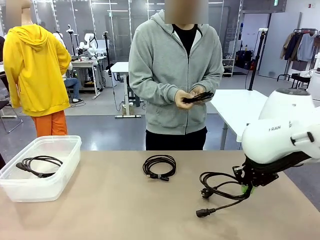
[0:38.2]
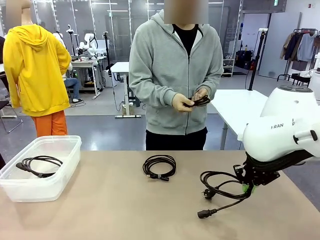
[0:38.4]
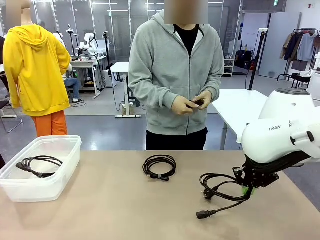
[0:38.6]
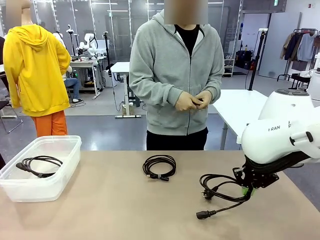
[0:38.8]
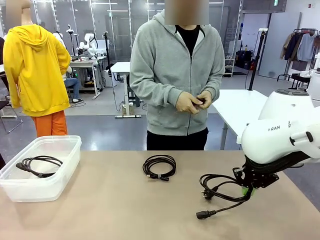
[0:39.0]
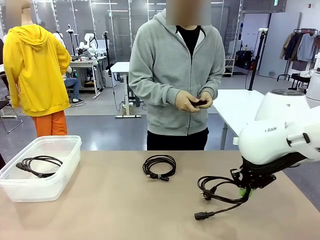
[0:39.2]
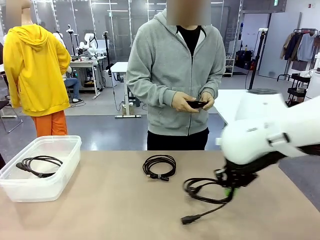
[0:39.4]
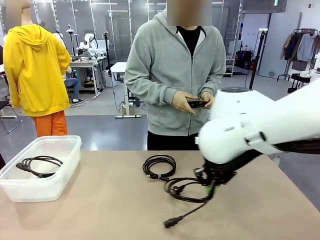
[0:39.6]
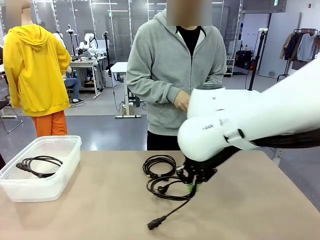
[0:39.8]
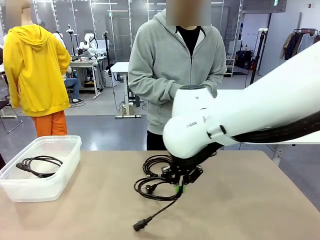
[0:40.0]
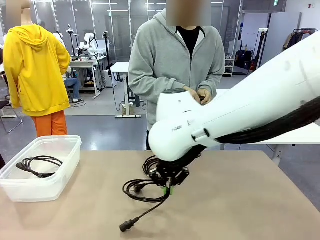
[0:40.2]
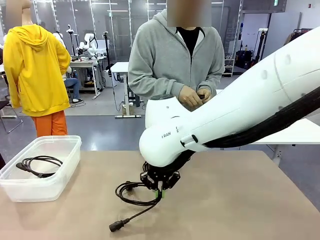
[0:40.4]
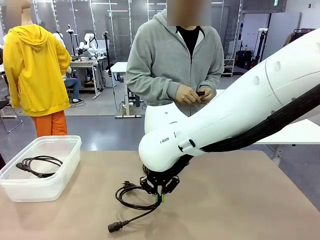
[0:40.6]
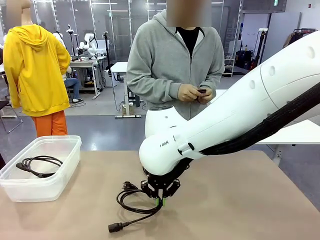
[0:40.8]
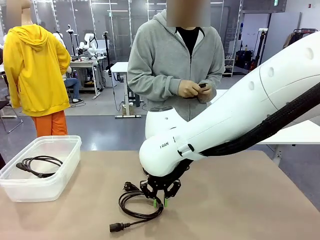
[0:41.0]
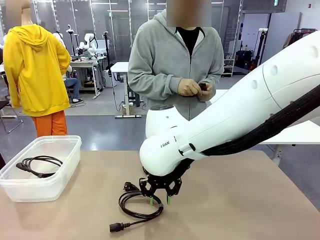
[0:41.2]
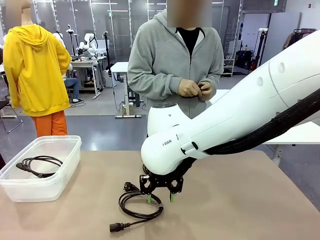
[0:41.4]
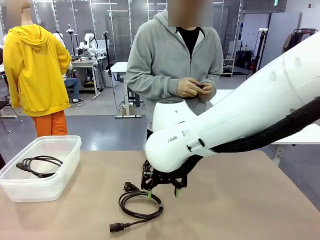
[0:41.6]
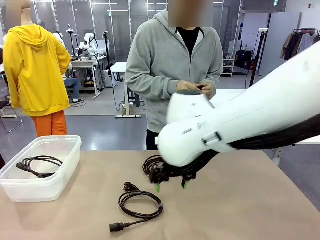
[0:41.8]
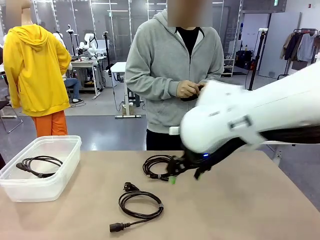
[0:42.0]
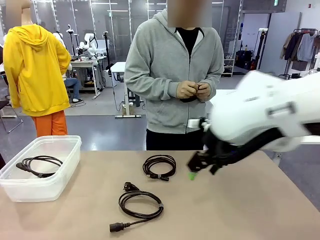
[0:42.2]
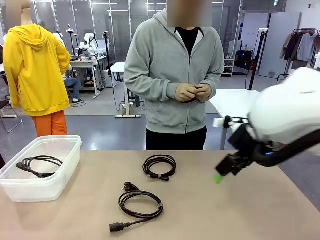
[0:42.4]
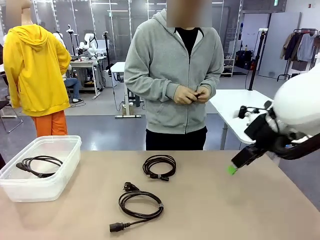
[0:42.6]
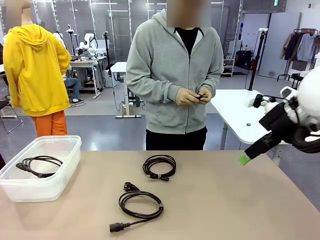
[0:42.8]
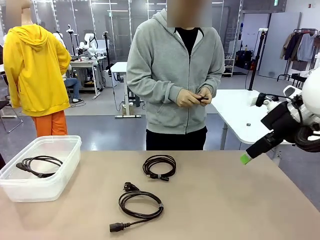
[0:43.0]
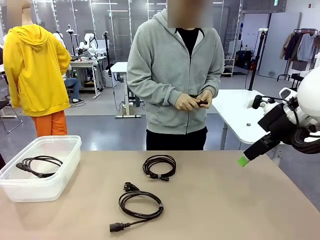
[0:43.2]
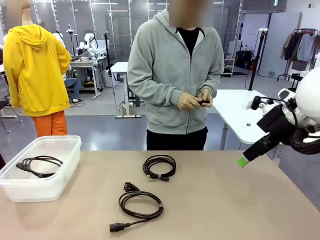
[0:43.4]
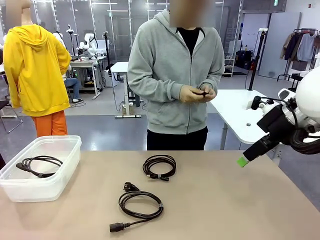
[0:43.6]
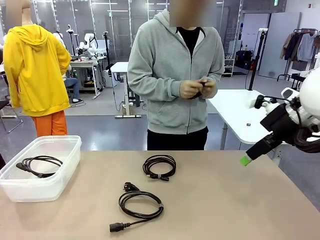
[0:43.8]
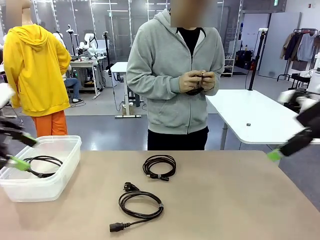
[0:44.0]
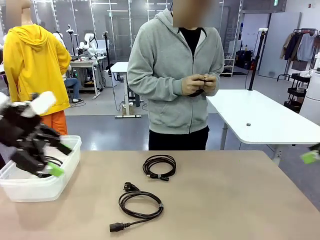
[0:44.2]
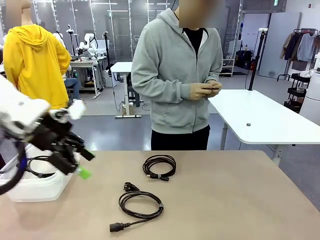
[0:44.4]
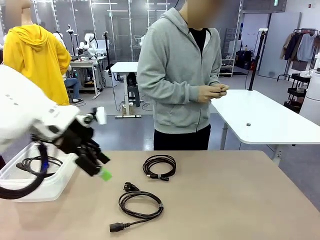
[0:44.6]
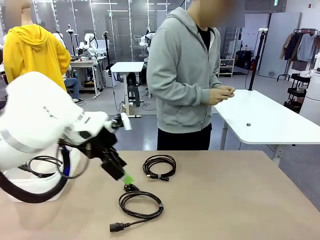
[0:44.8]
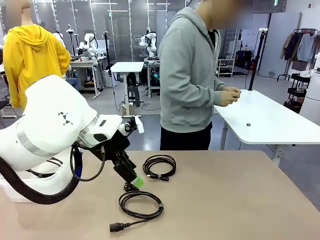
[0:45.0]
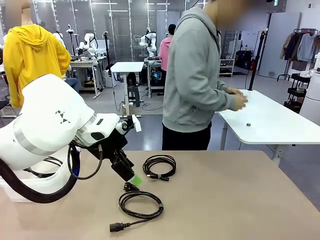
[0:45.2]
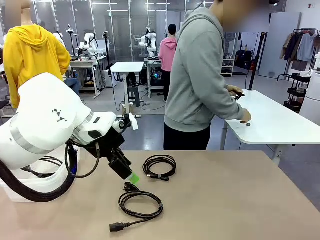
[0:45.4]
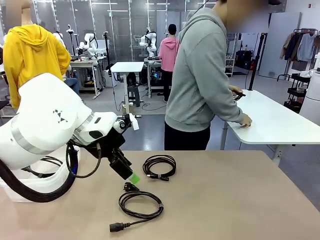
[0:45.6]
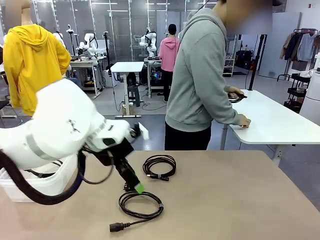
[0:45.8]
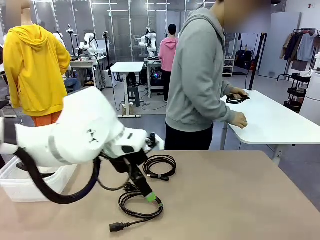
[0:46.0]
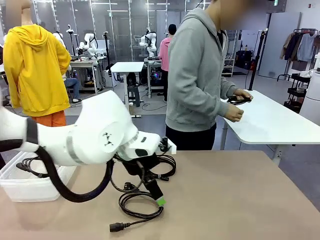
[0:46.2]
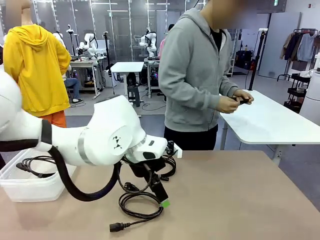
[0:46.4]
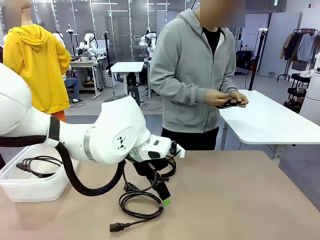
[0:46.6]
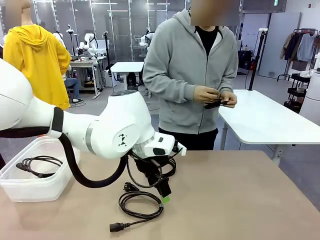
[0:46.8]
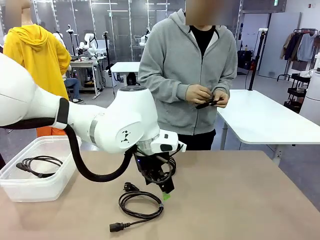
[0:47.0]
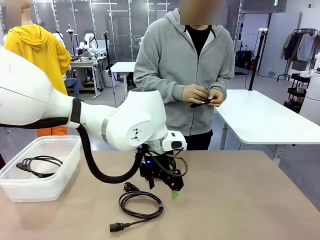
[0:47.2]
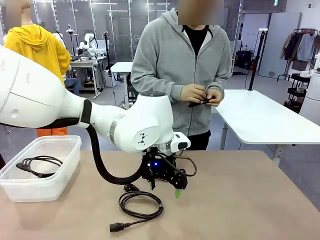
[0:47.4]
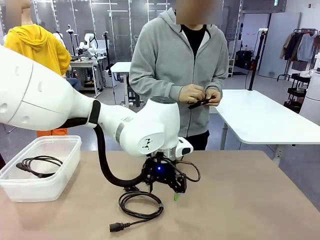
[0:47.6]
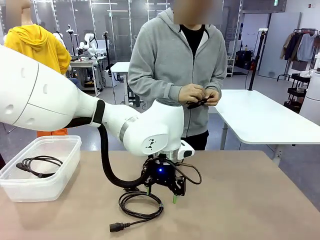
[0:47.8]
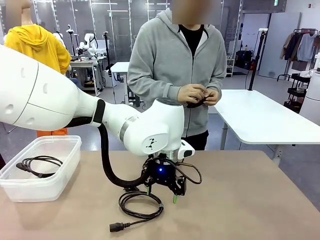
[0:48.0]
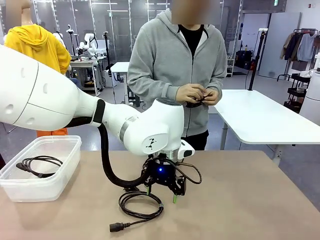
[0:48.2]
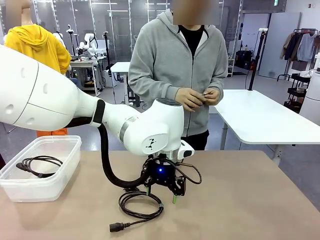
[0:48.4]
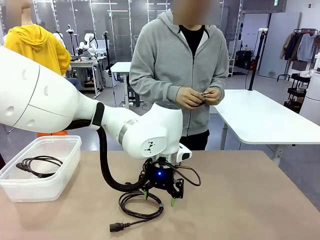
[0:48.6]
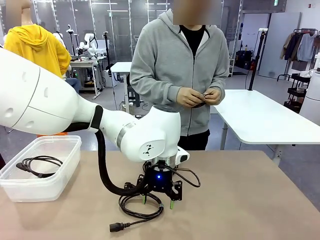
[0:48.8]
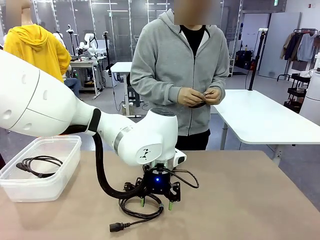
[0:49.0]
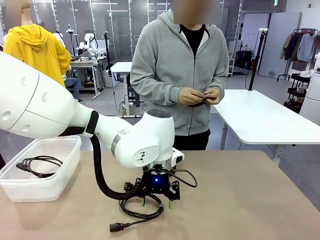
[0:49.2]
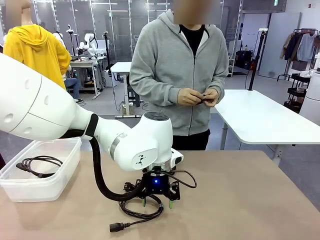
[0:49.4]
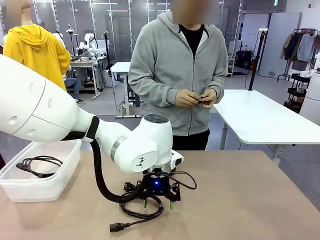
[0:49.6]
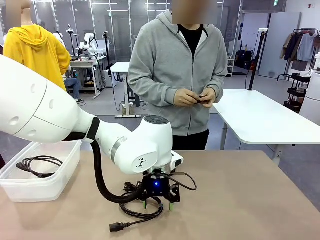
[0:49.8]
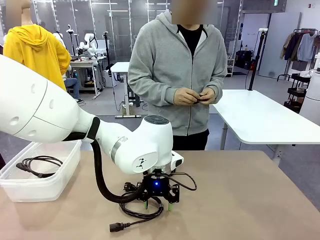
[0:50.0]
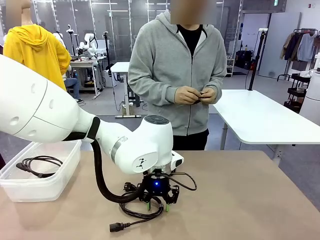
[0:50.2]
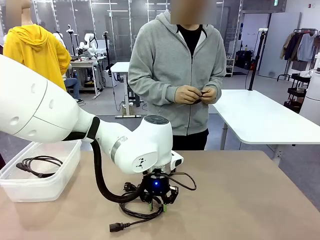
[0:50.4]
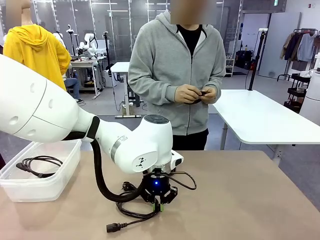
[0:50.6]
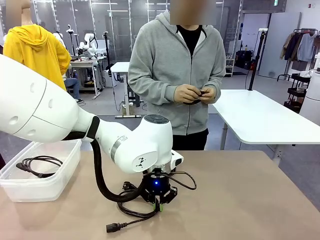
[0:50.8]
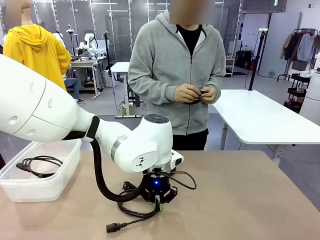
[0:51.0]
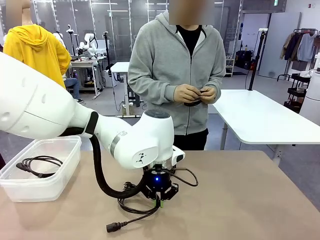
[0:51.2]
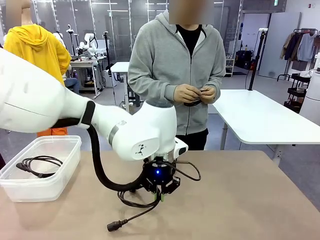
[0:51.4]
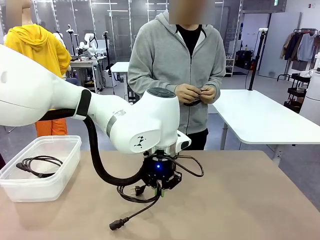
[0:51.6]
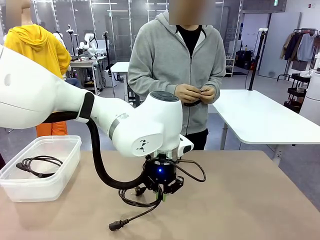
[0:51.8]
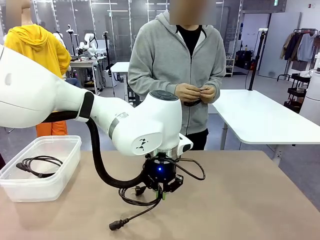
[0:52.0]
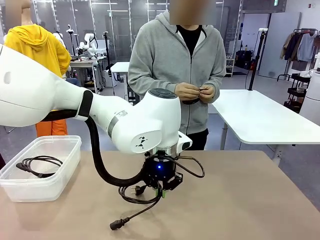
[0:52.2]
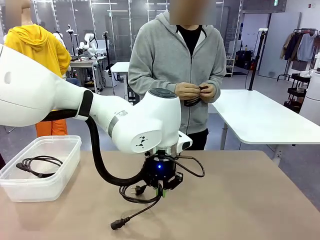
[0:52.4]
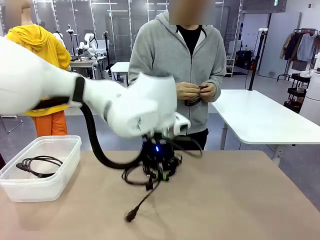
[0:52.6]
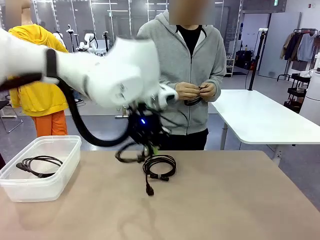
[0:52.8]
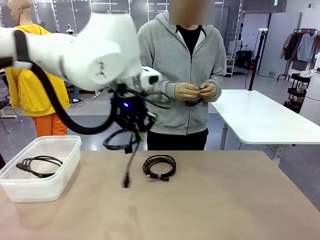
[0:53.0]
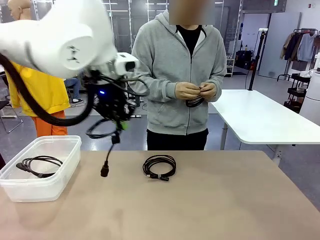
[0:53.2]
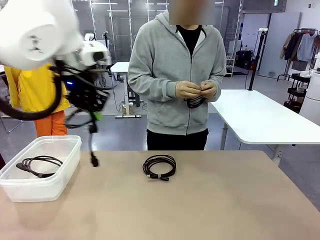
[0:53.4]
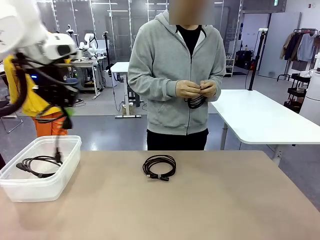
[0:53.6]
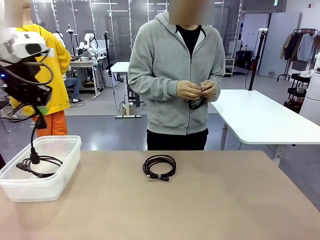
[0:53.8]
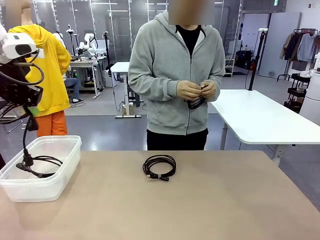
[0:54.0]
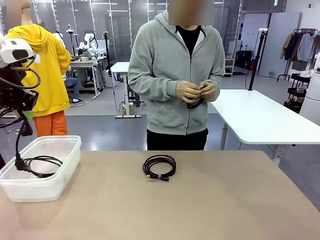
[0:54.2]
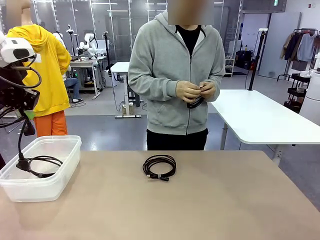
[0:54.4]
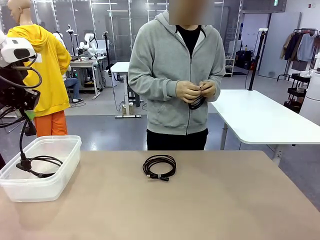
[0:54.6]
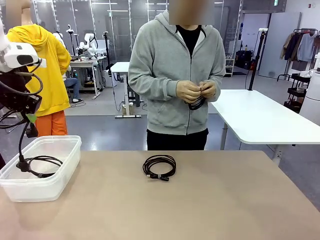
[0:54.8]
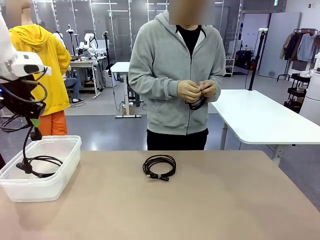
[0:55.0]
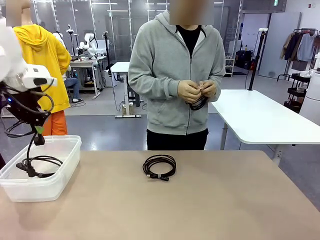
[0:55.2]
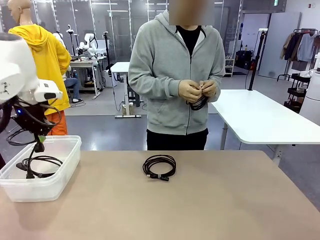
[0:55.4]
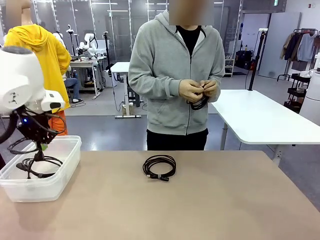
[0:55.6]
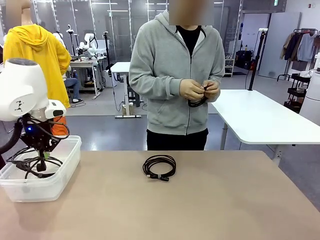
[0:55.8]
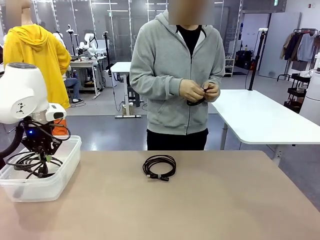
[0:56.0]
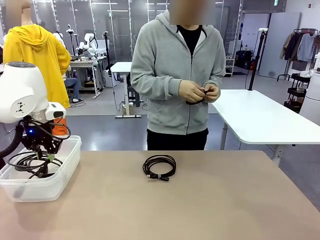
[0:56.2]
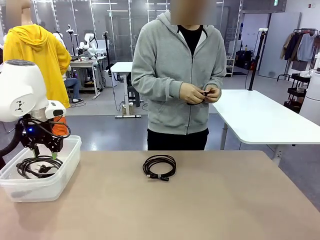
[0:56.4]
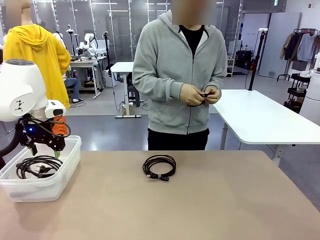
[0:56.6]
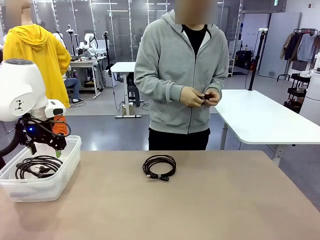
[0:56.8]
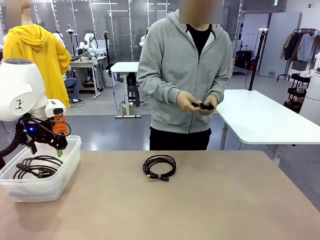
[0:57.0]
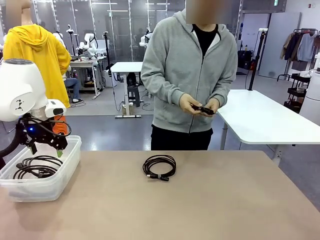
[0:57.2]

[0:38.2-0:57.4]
Task: Organize and store the cables.
Robot: Place the Power Cable into the Organizing box.
